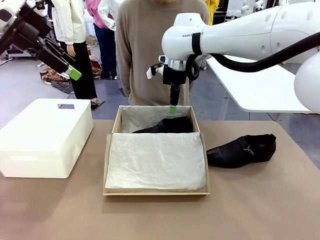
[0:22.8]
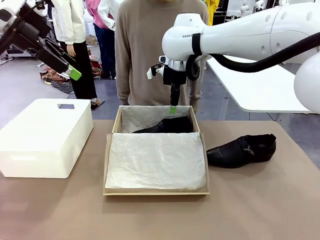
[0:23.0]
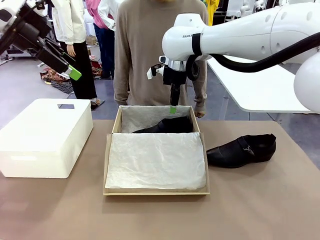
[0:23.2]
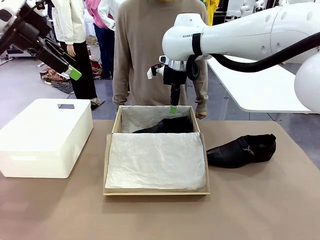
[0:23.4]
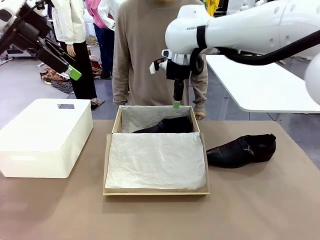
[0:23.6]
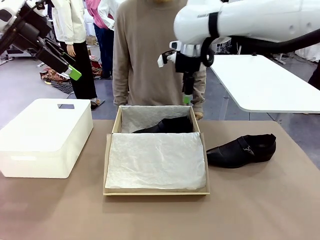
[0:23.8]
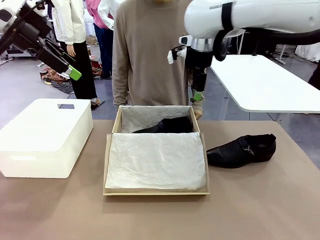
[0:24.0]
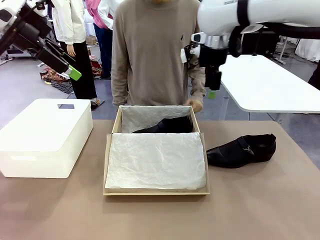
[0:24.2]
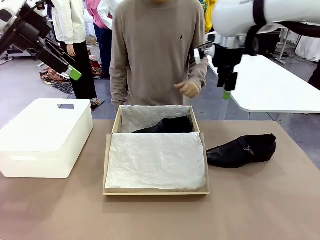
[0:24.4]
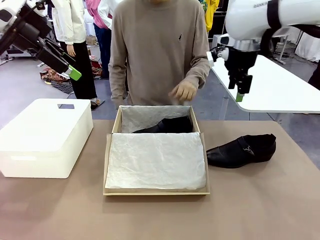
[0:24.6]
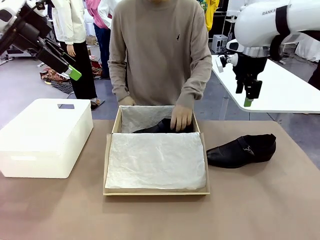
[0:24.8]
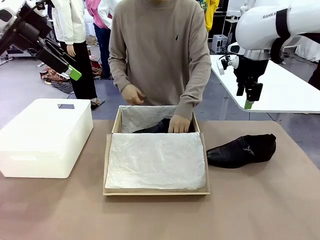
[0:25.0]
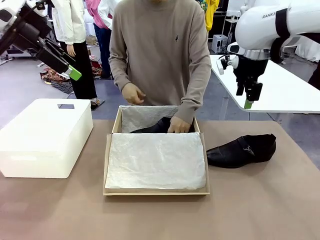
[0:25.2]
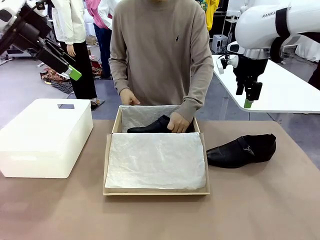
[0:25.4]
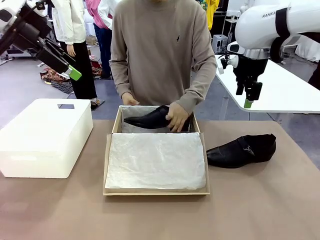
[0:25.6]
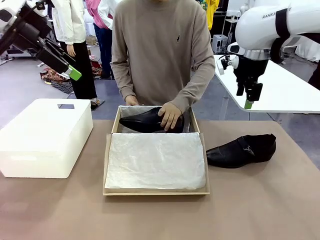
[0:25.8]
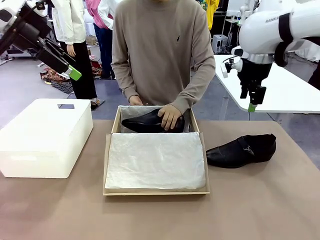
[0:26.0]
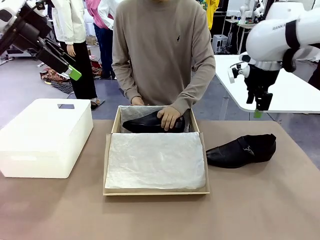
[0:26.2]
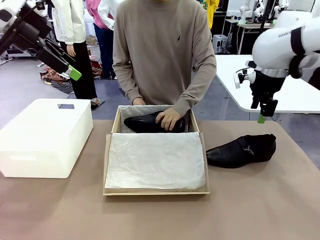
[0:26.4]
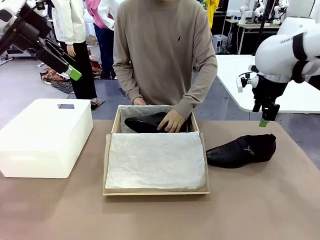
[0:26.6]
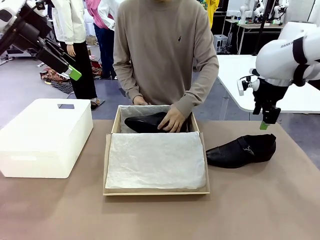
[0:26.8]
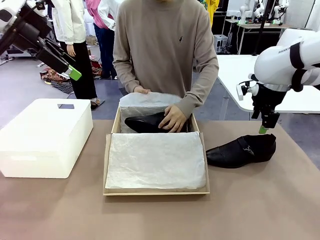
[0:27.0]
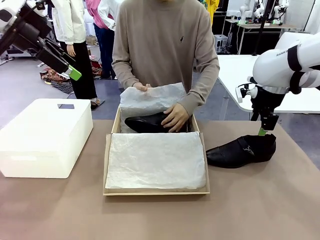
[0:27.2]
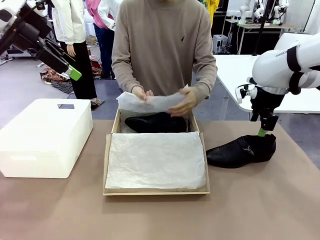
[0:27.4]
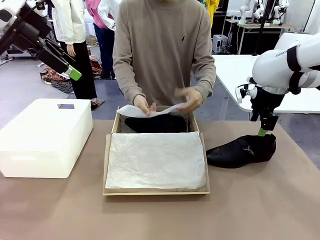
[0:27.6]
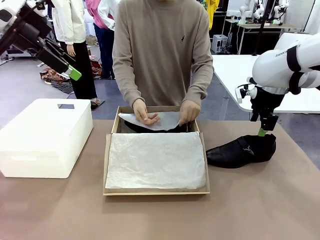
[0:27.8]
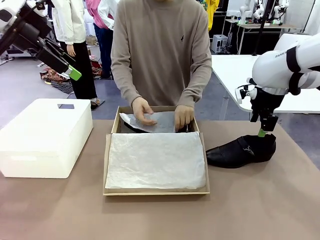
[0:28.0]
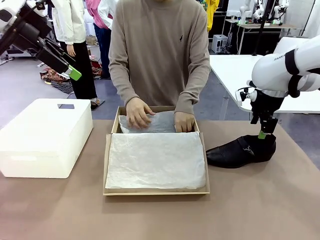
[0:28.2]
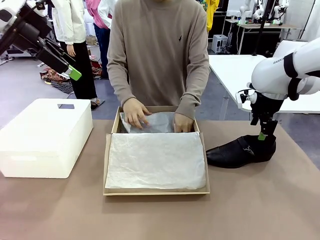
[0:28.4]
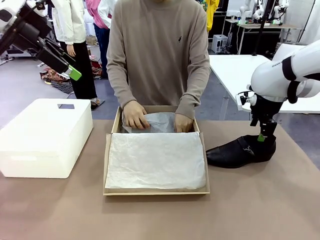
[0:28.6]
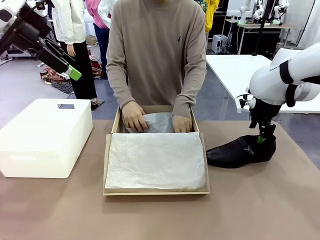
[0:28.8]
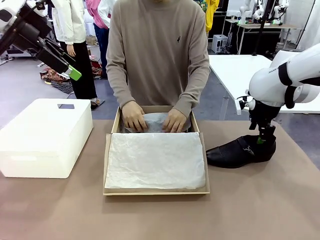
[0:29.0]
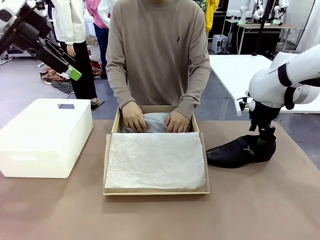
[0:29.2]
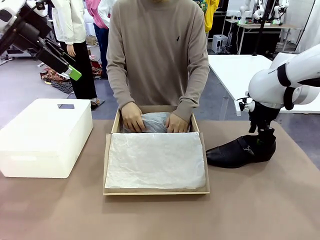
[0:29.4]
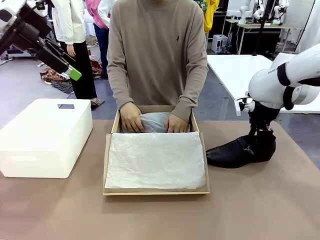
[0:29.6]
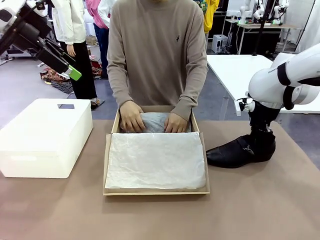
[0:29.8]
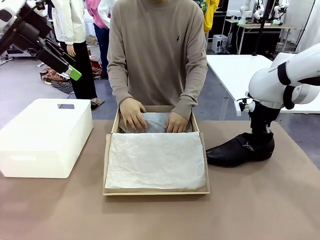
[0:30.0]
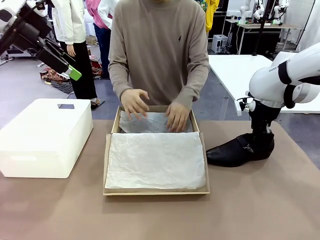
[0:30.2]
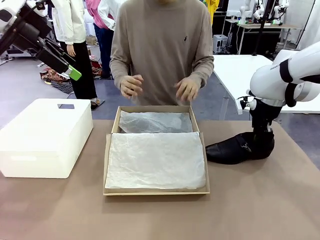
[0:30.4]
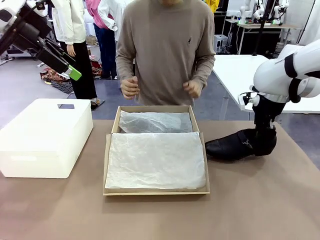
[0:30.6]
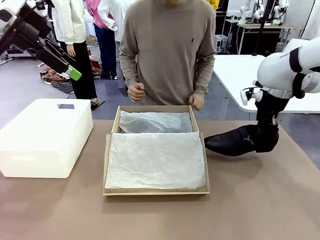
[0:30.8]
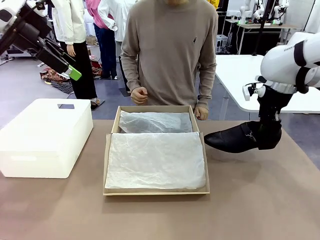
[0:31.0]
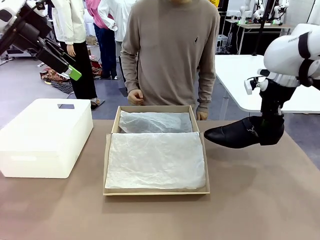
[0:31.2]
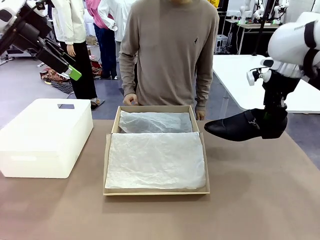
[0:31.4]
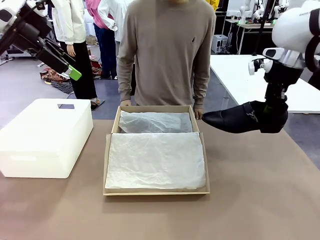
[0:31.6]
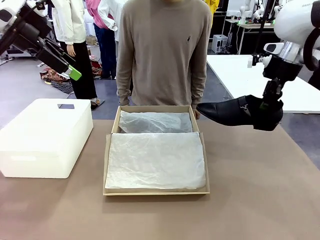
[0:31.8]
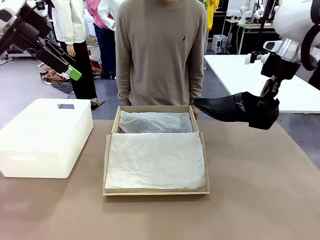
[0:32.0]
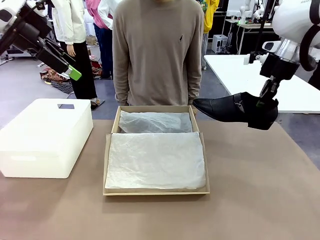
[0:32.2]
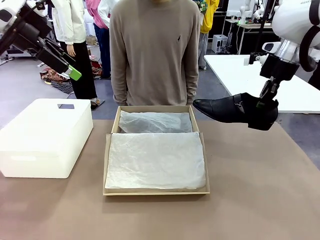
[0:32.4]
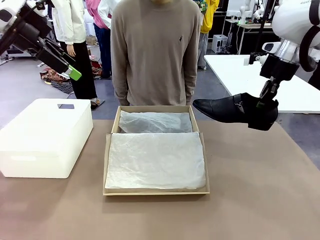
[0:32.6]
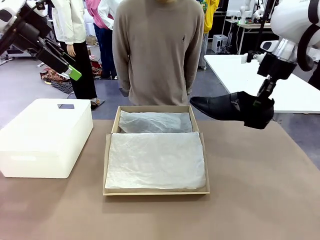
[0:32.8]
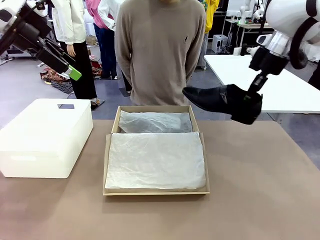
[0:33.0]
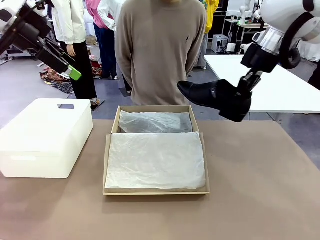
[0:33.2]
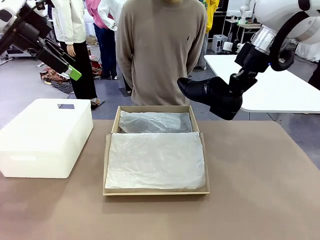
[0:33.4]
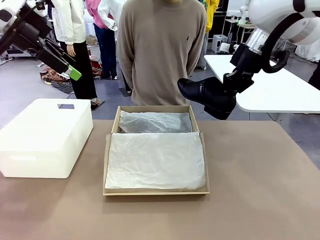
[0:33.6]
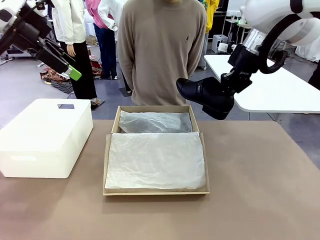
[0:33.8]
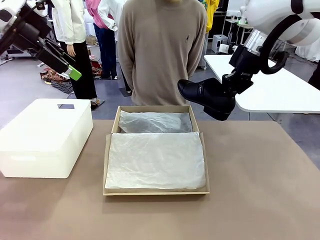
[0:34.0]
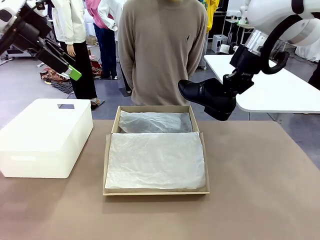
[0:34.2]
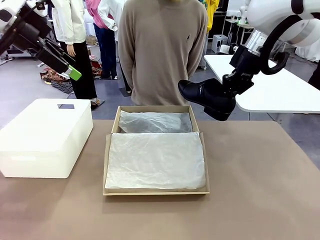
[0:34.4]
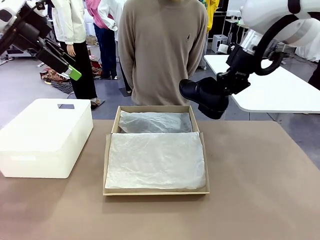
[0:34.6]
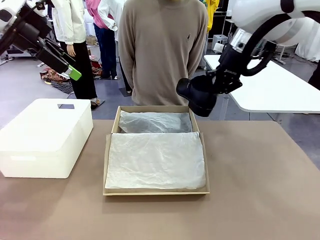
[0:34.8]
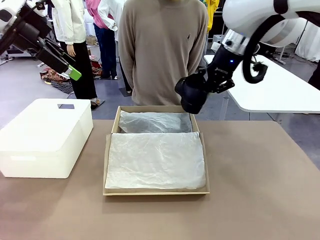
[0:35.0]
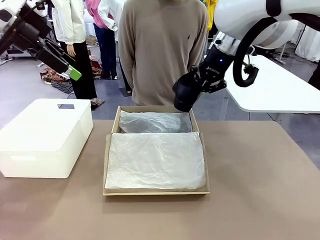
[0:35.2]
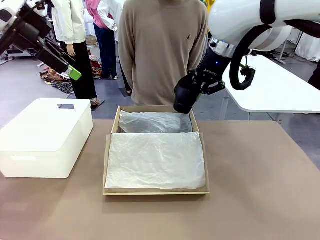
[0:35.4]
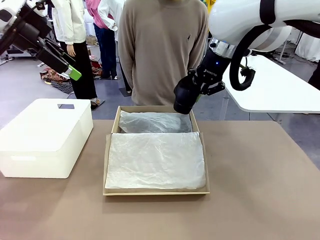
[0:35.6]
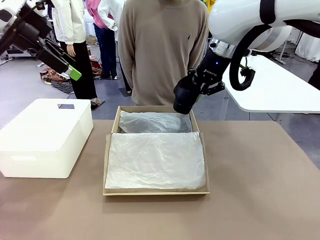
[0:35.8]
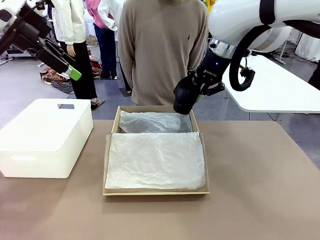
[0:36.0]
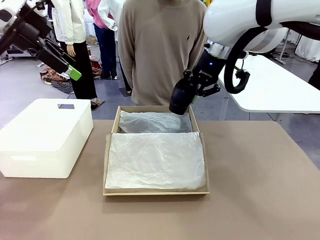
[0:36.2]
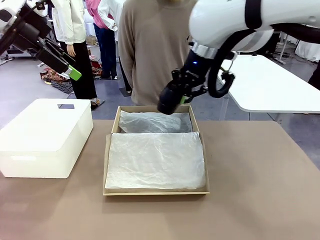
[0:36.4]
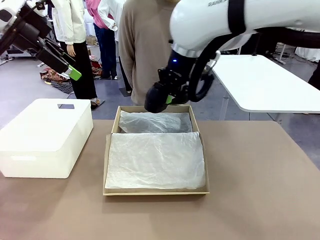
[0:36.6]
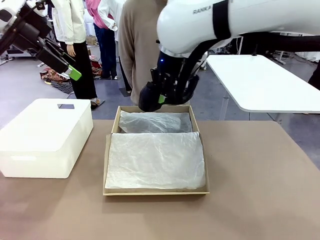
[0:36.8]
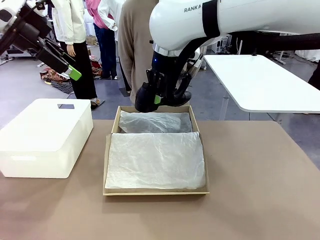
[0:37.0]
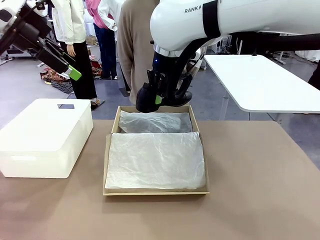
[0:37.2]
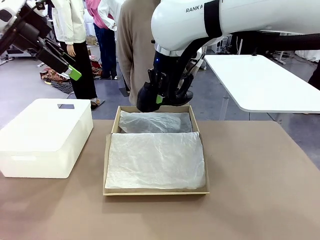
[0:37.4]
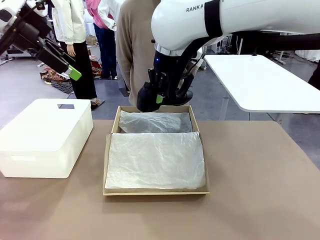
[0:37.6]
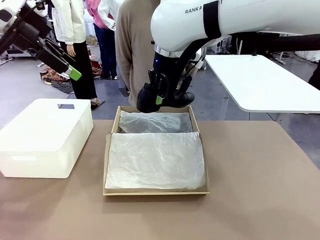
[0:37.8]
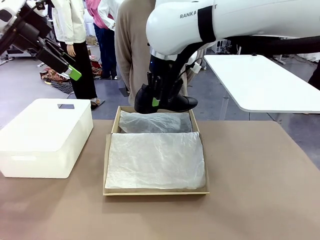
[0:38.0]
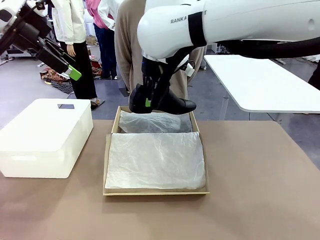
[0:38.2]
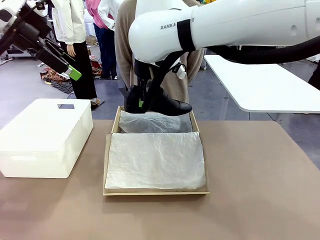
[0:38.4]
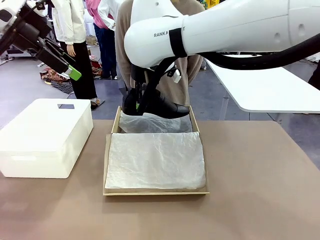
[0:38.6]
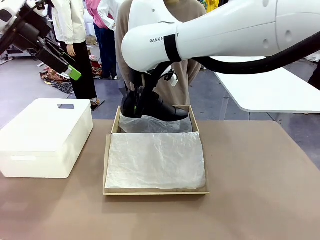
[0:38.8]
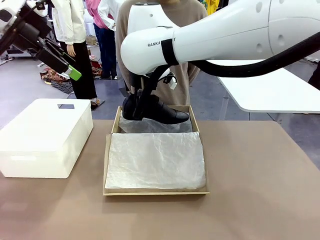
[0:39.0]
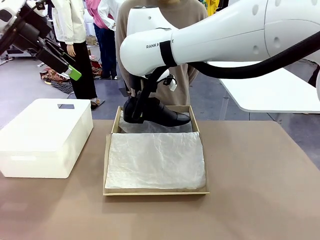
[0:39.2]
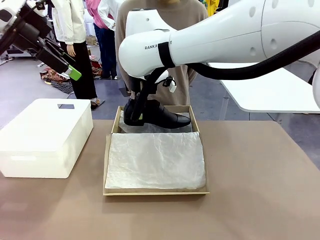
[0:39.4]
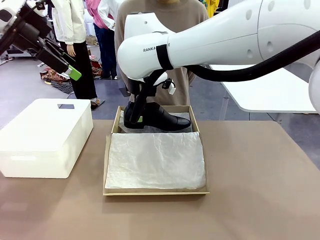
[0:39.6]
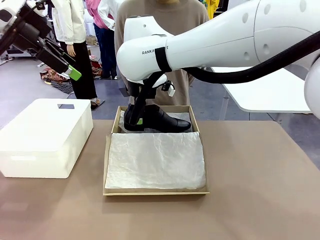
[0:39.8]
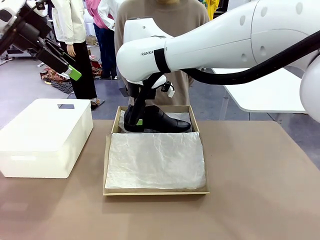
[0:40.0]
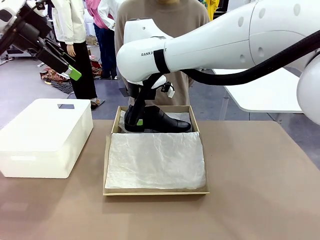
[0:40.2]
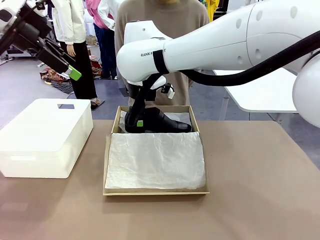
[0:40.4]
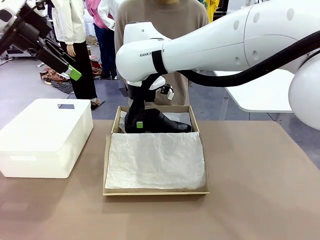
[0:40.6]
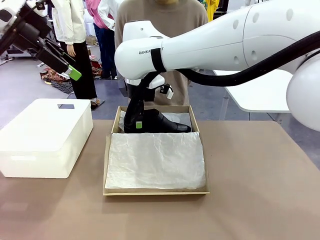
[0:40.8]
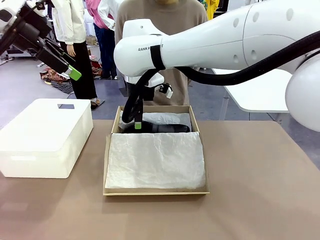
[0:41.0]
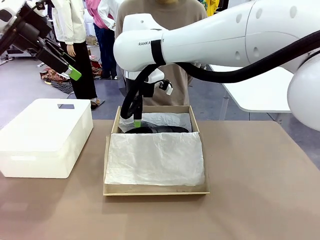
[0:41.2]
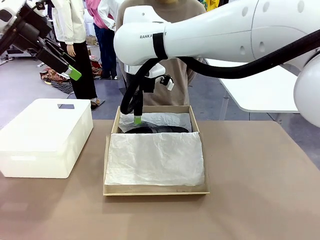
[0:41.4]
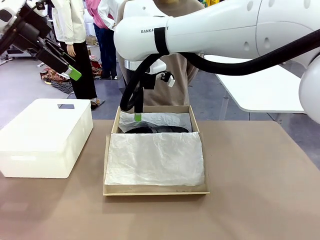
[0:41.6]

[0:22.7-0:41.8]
Task: Pack the shoes into the box.
Robot: Place the other shoe of the Shoes into the Shoes Box.
Person: Pack a shoe of Shoes inside the Shoes Box with Shoes Wrapping Paper.
